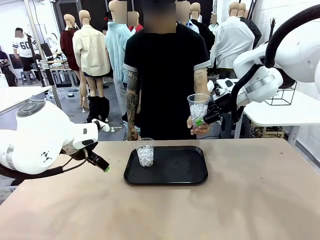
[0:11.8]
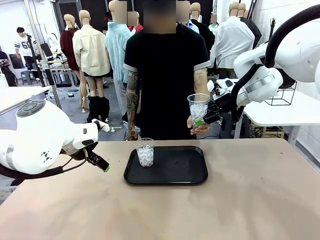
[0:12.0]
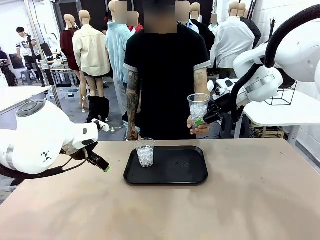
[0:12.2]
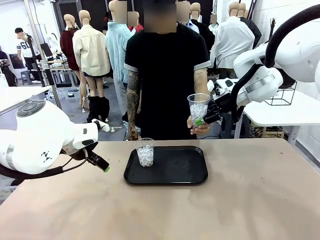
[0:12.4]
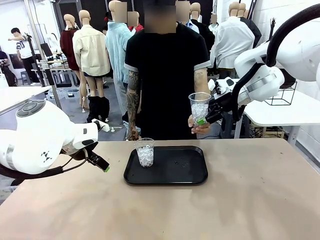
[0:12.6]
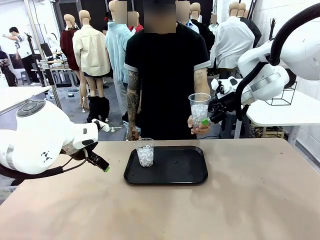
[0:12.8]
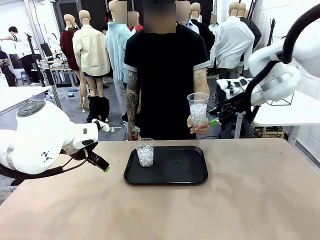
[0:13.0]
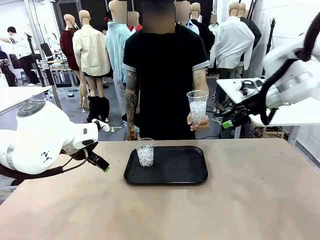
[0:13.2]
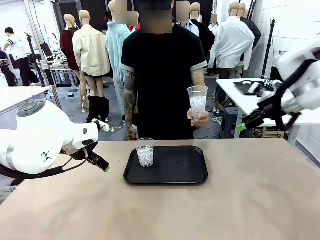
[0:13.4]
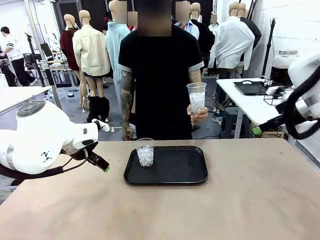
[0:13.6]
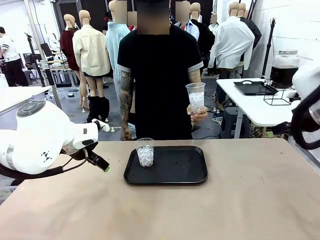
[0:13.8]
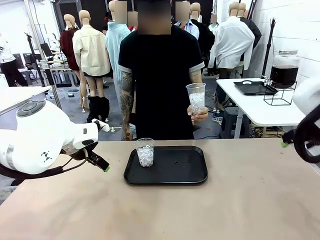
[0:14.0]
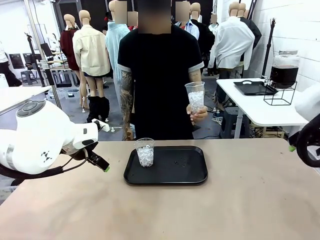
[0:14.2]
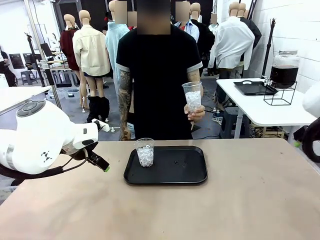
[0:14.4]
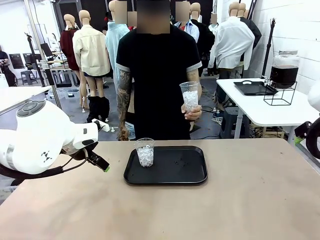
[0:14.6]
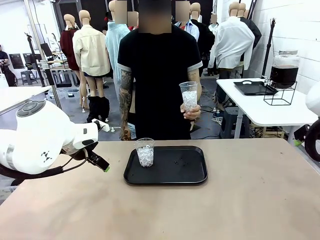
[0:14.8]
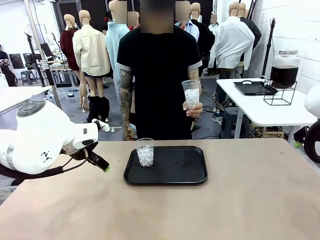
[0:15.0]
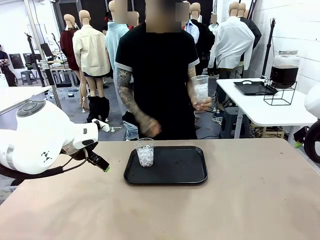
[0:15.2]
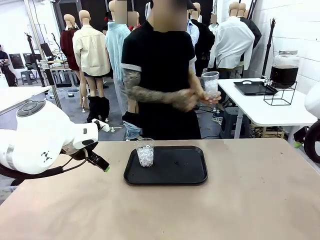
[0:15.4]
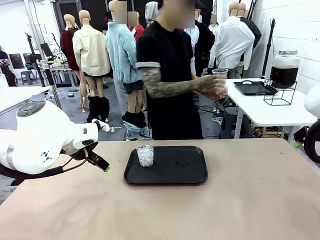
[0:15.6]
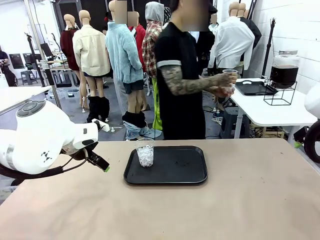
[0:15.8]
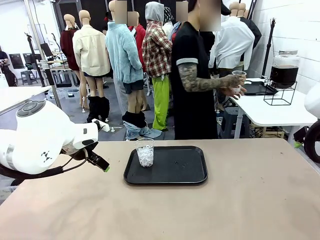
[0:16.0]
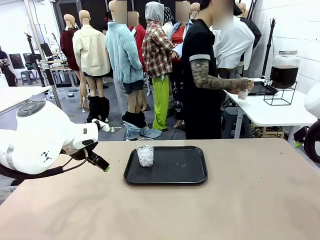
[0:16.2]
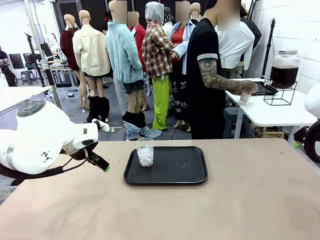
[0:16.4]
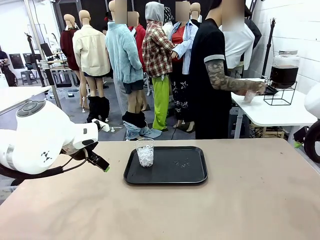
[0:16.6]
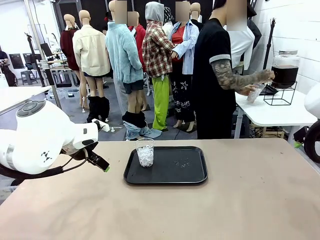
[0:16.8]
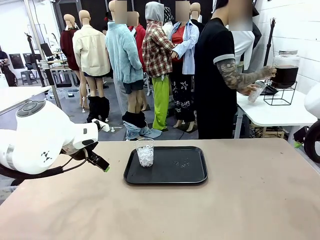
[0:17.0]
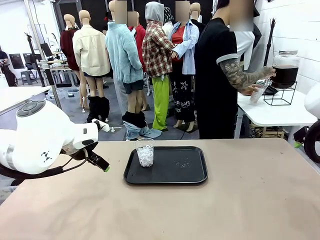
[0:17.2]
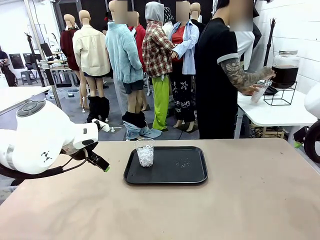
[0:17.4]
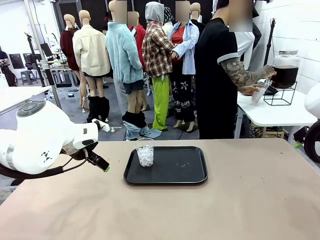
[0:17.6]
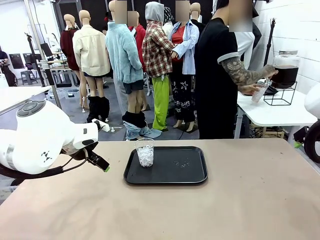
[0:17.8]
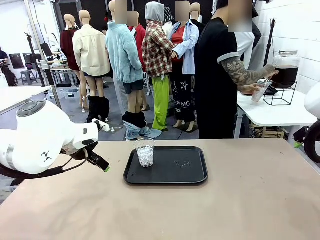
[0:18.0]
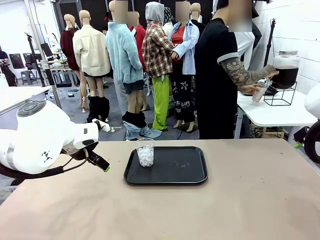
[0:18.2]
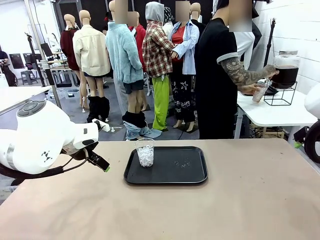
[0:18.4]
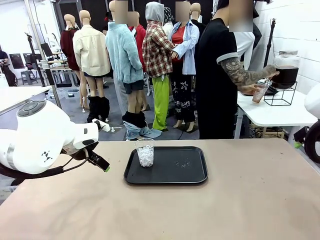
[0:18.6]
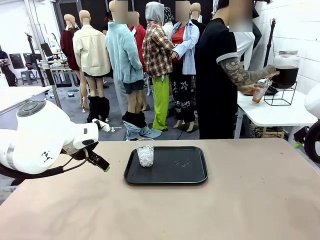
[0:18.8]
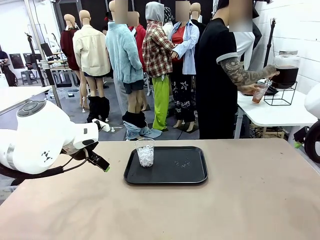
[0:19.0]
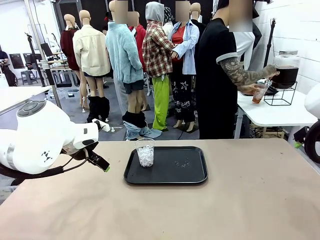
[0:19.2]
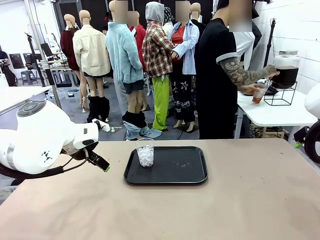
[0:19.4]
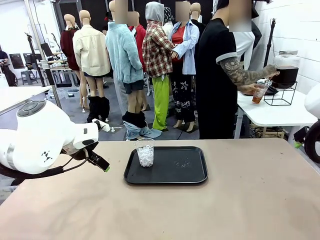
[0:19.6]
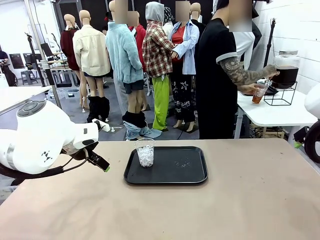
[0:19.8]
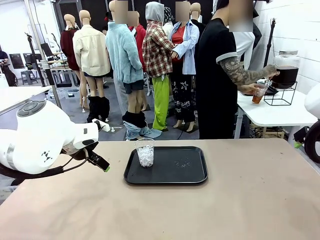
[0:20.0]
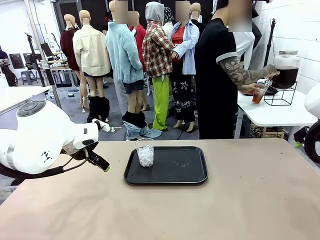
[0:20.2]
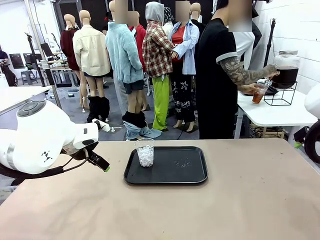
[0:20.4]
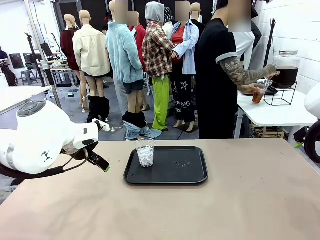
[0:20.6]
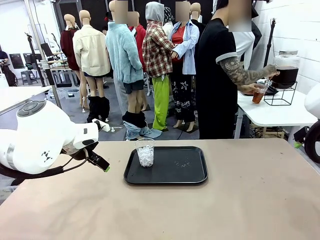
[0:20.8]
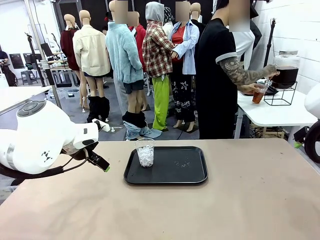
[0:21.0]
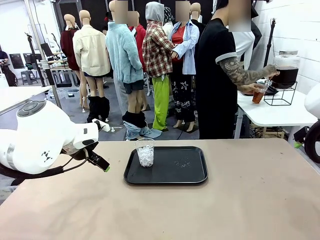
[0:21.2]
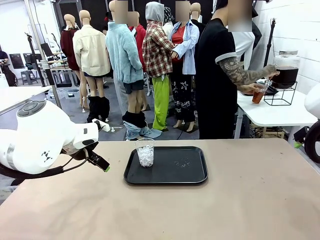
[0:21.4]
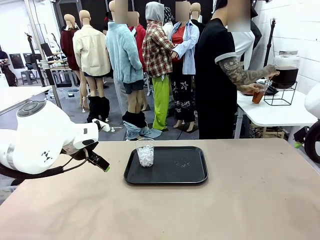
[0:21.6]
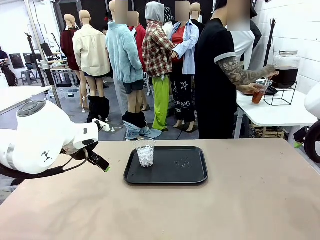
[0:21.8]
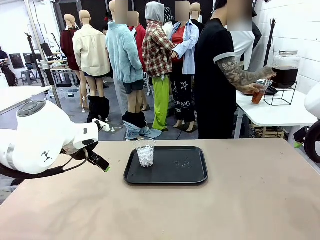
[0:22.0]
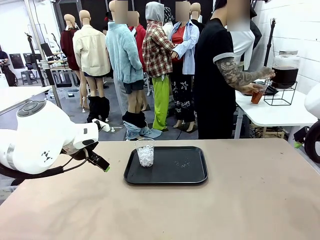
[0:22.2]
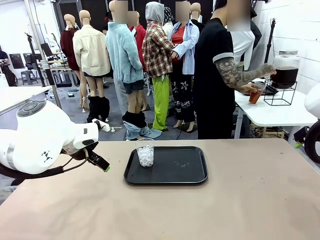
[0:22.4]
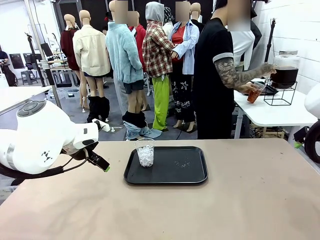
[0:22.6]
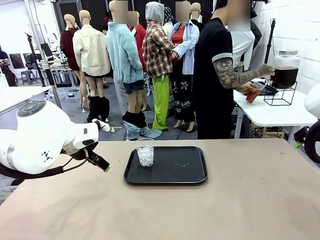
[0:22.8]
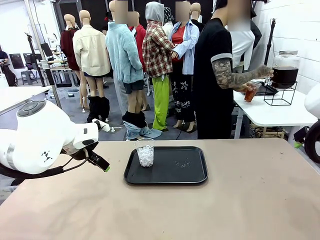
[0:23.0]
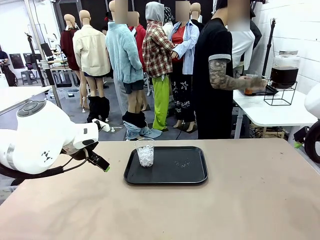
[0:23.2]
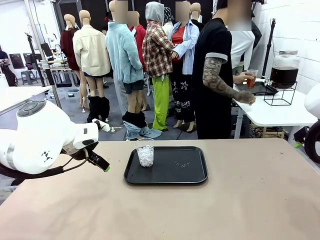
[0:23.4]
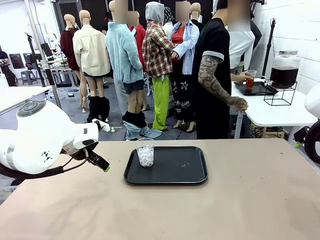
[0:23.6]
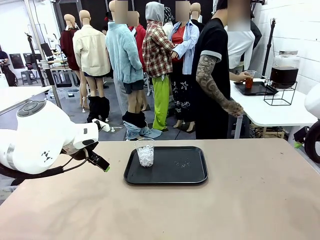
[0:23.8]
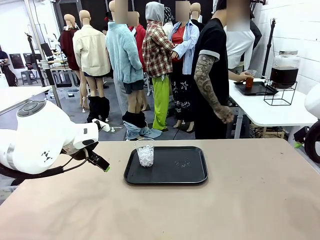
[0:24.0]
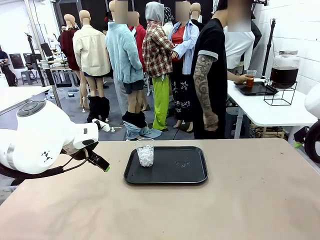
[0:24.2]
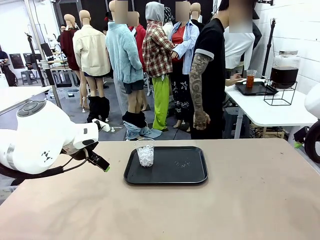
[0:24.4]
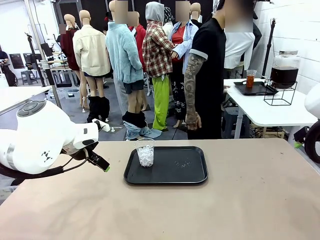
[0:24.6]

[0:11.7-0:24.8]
Task: Pour the drink into the iced cup.
Robot: Pick up the iced cup indicated by the human and present it to them.
Person: Move the picked-up cup under the dispenser faucet, pour the drink, and place it on the tray on the human table.

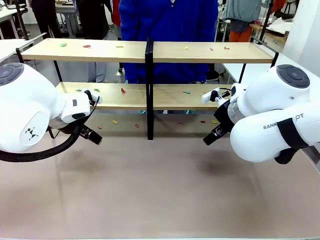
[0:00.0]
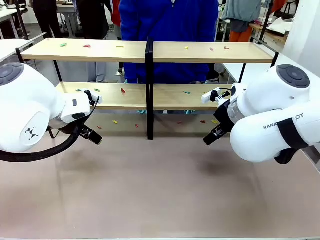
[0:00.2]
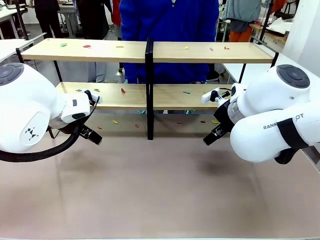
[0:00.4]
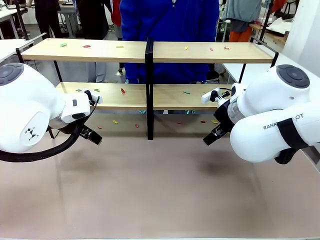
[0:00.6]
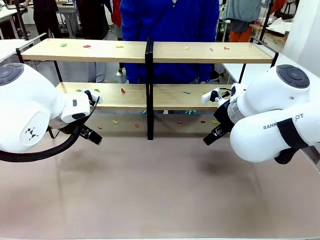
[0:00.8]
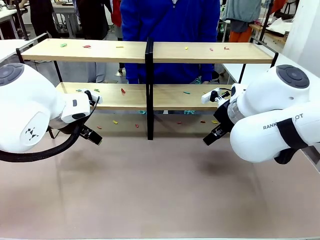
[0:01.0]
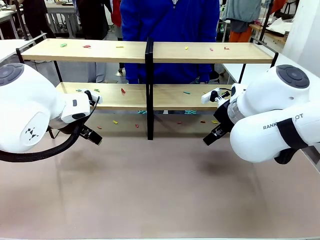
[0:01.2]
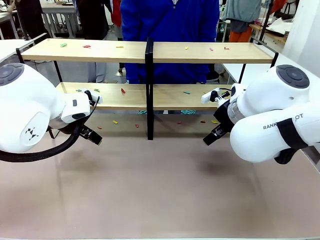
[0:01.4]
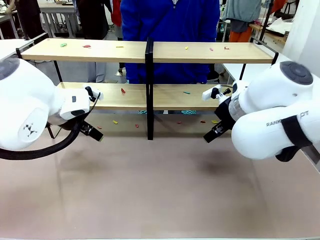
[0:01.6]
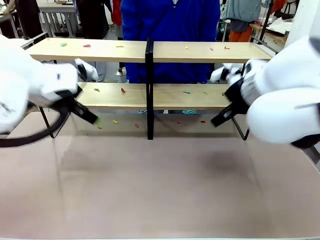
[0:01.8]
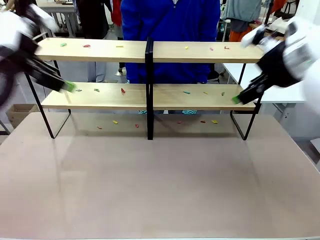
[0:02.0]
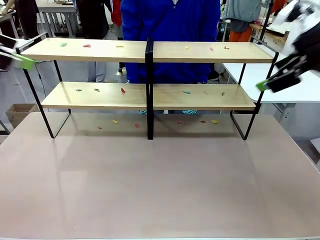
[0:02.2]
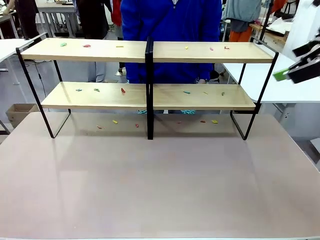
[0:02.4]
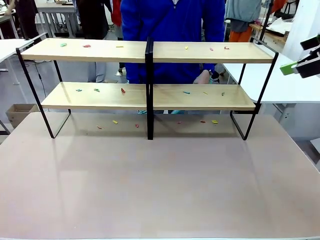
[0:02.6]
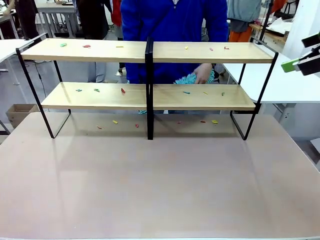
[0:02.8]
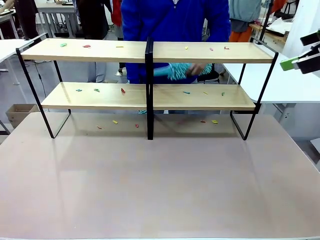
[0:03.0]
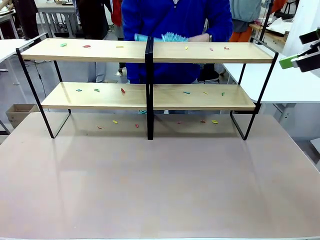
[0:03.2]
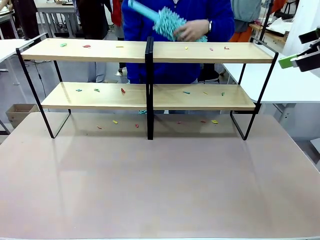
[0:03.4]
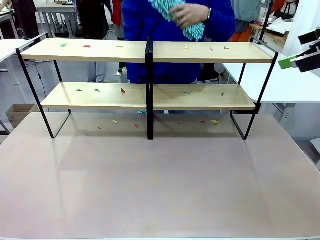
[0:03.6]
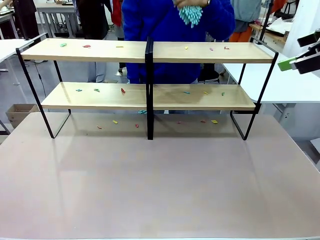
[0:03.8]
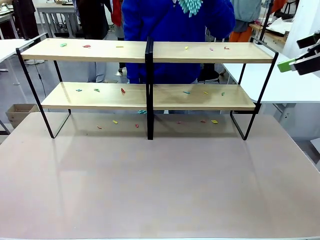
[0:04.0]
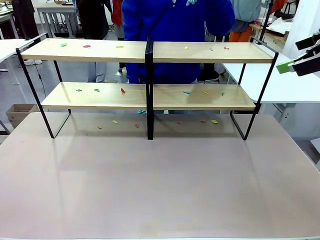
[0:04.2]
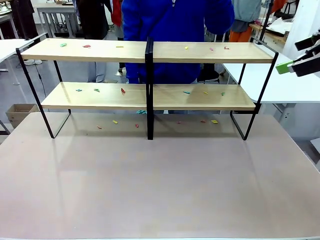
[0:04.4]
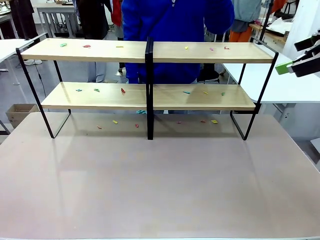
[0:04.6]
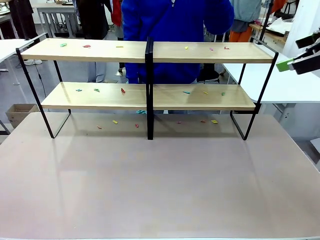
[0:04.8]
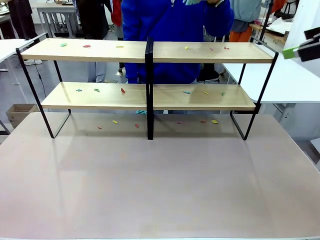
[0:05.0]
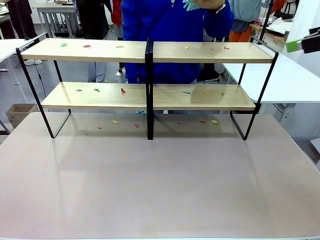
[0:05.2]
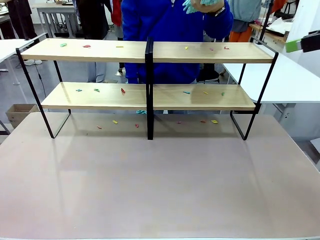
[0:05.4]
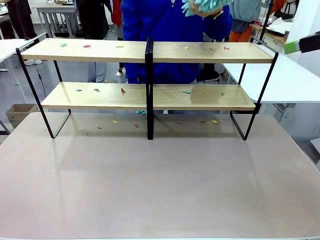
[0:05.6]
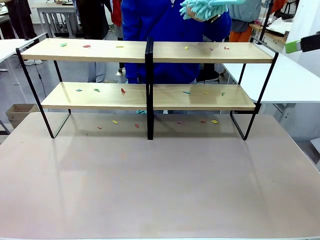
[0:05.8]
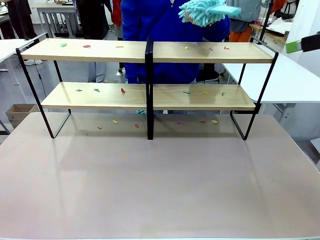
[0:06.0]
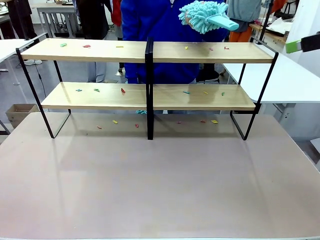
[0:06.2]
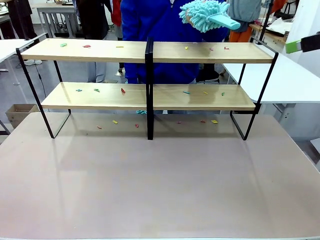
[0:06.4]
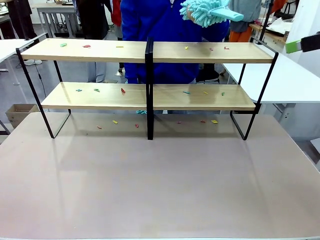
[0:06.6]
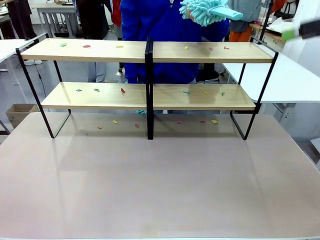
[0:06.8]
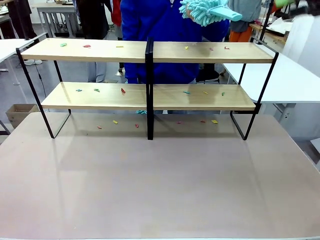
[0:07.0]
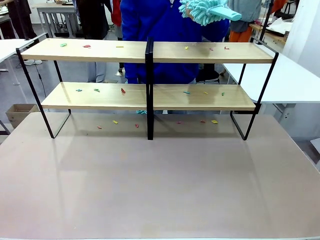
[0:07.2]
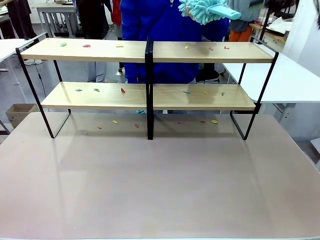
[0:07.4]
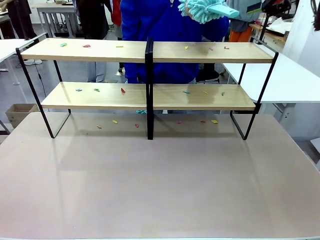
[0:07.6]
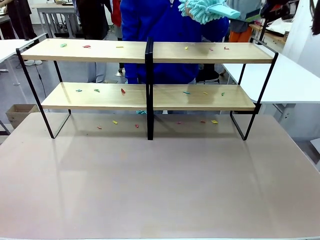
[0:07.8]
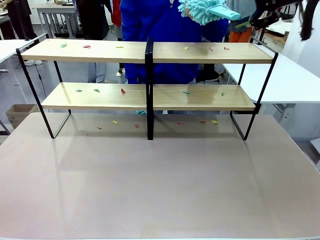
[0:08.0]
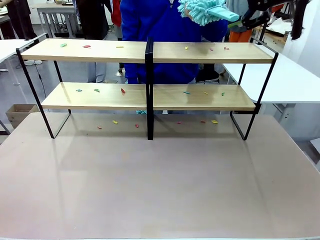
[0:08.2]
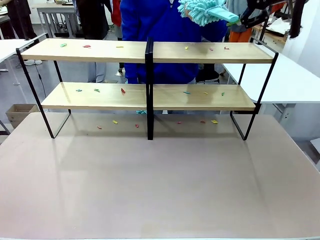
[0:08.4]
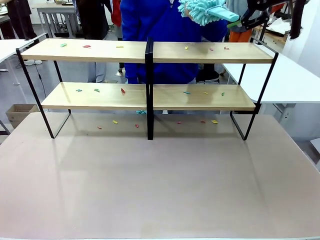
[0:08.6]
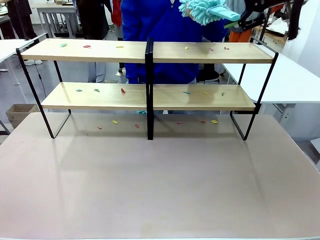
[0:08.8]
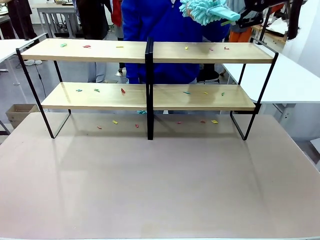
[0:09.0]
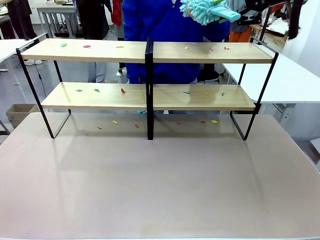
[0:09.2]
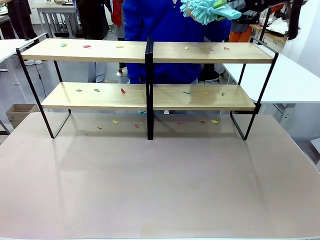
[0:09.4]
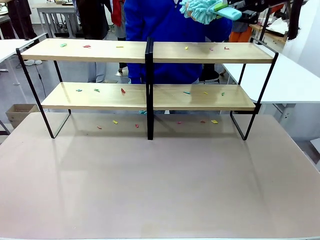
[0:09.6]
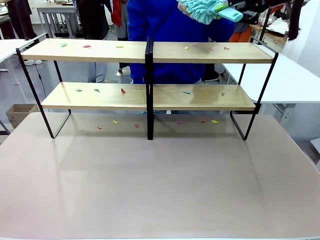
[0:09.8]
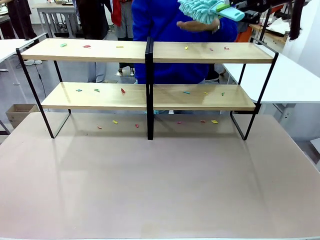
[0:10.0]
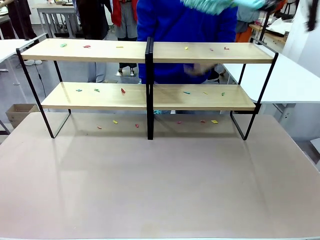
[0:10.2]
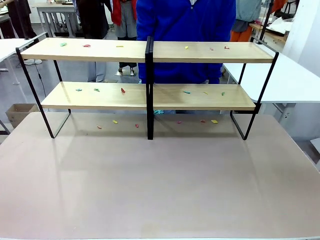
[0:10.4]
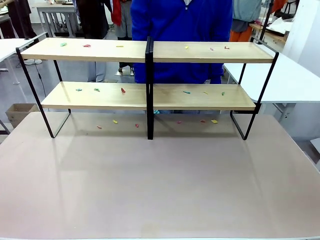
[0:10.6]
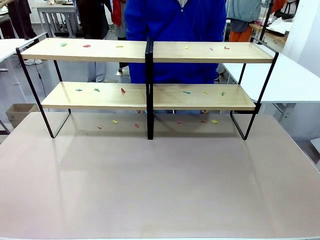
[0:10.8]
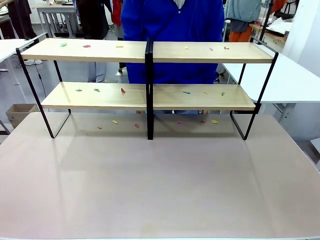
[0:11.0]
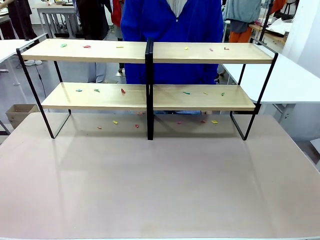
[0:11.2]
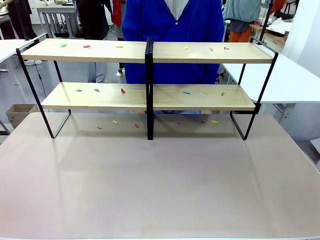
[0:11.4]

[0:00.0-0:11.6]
Task: Clean the shelves.
Robot: Pick up the Duster when the human hands it over.
Person: Hand the Duster to the robot with your right (or left) hand.
